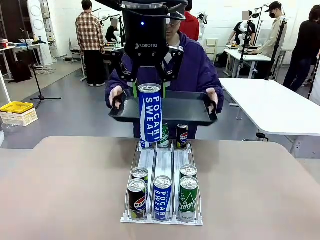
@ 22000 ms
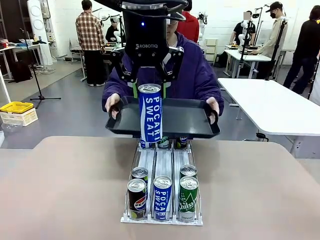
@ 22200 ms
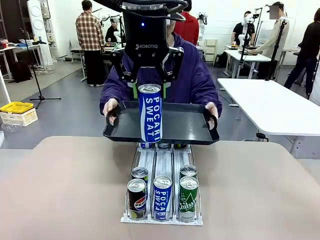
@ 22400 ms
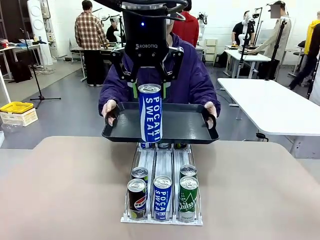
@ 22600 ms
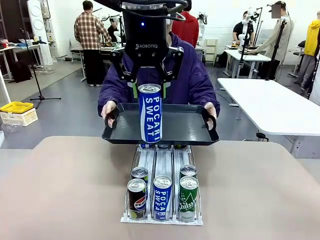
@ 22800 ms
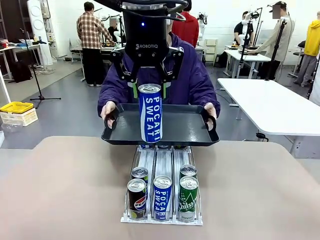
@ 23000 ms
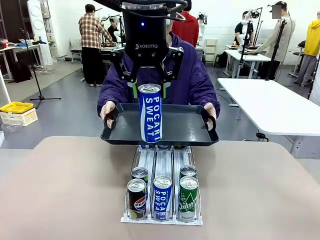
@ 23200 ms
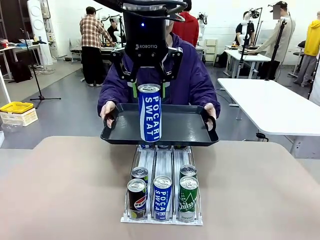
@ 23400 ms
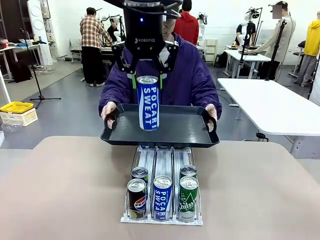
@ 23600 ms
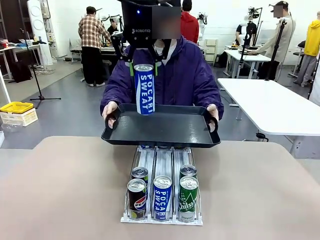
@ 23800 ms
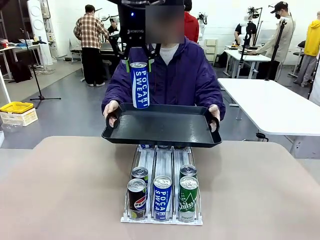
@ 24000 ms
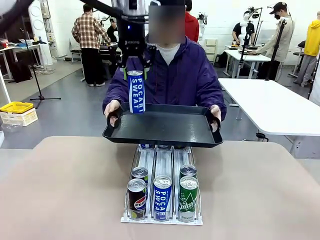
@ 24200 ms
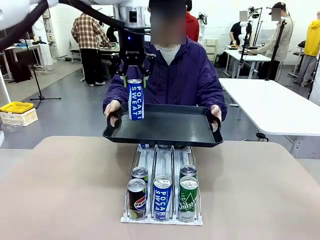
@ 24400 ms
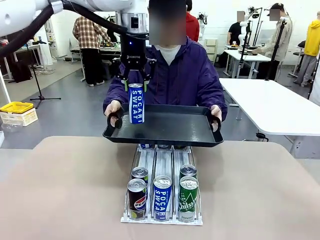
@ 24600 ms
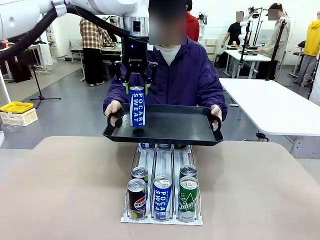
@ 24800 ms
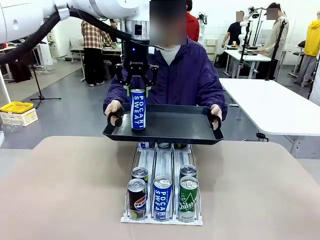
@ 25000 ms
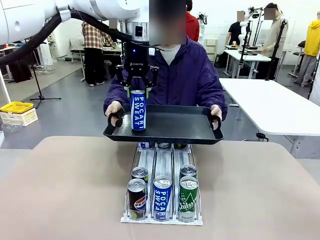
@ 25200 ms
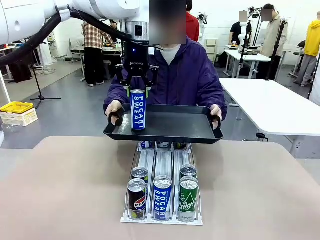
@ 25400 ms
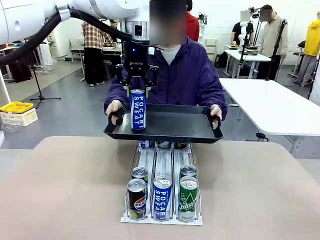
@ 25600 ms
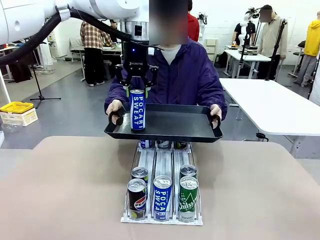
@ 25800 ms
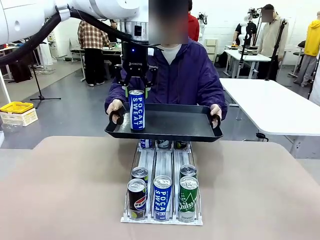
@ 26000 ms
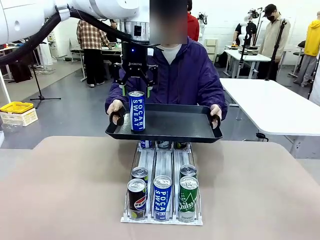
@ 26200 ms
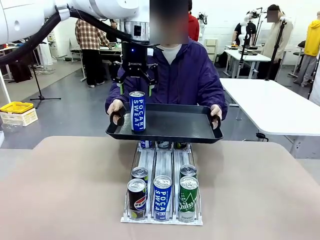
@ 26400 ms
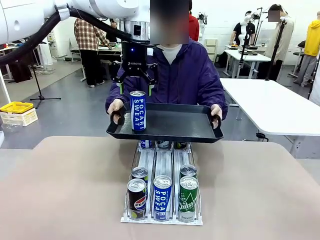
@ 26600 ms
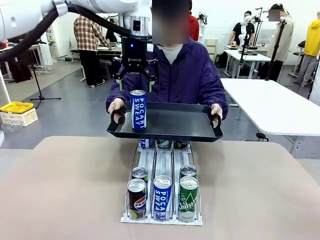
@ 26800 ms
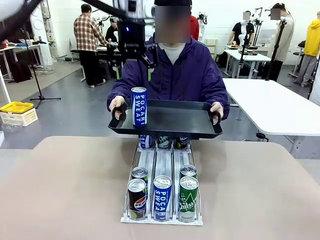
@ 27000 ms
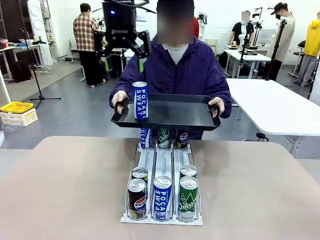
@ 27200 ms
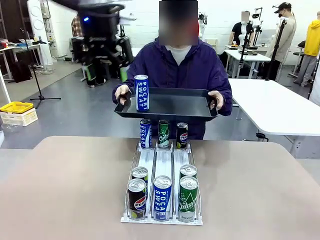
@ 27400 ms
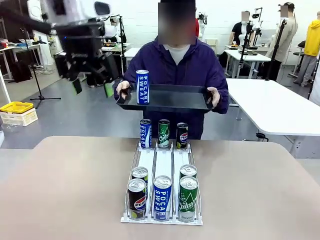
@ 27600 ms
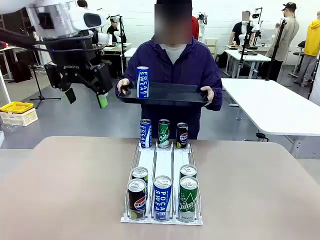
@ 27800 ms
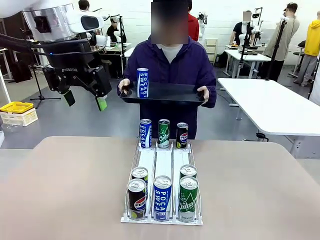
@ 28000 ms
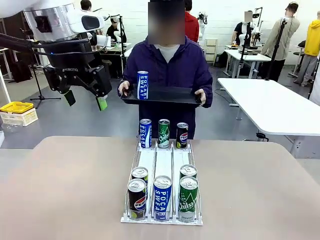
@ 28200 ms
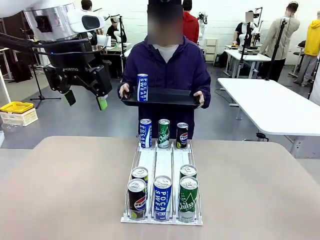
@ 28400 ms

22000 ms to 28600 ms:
Task: Retrieve and hand over the desired beverage to the person.
Robot: Place the picked can on the Handle tray extended by the person.

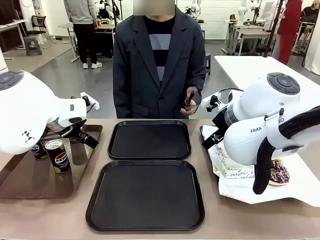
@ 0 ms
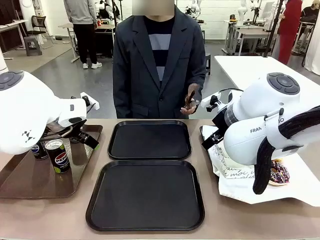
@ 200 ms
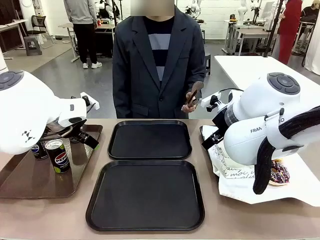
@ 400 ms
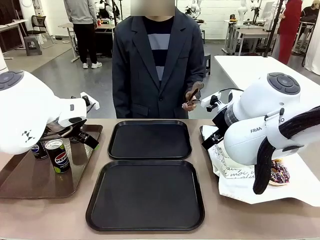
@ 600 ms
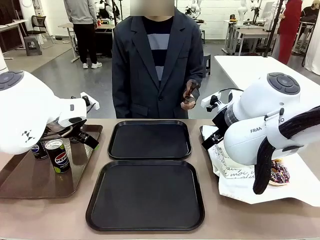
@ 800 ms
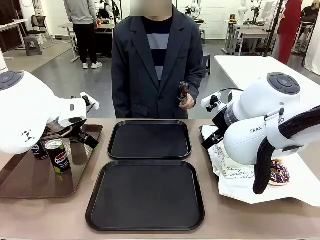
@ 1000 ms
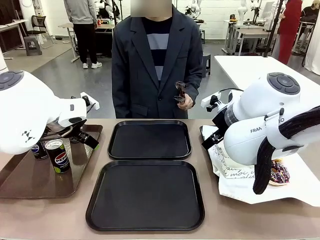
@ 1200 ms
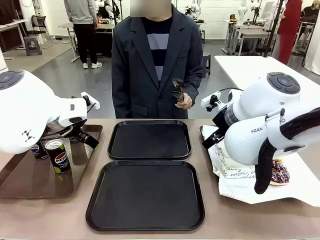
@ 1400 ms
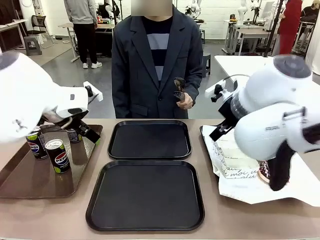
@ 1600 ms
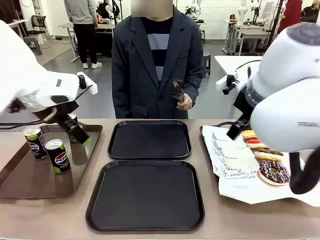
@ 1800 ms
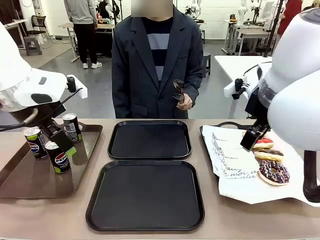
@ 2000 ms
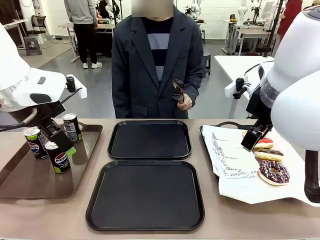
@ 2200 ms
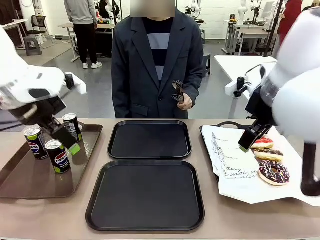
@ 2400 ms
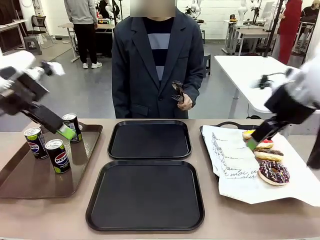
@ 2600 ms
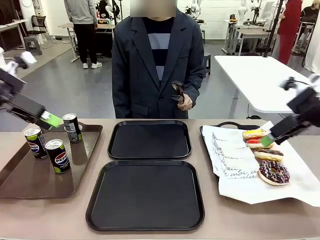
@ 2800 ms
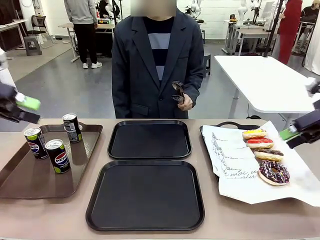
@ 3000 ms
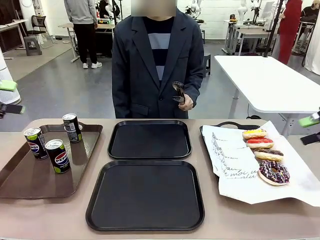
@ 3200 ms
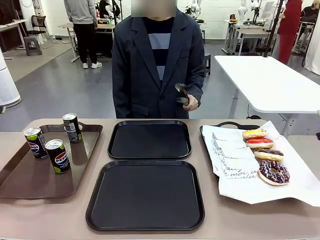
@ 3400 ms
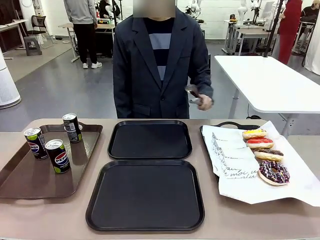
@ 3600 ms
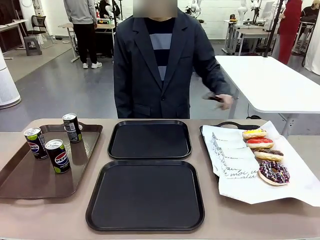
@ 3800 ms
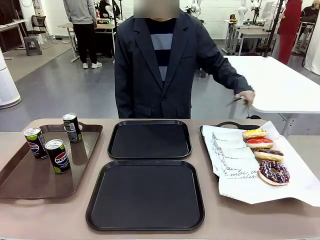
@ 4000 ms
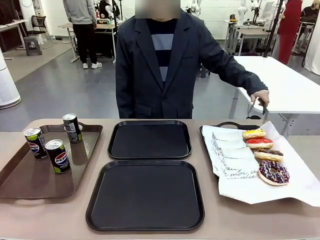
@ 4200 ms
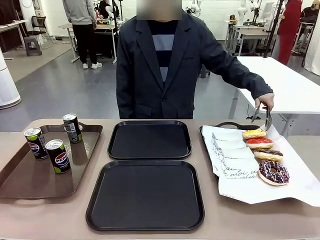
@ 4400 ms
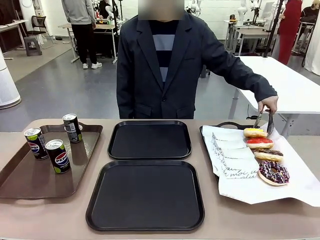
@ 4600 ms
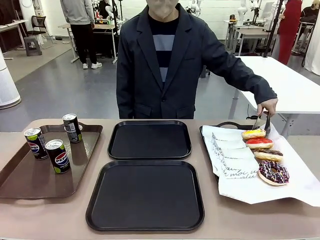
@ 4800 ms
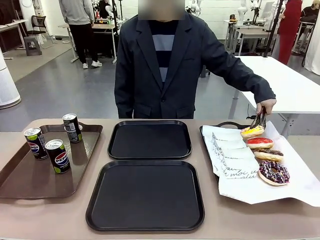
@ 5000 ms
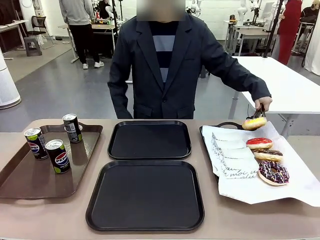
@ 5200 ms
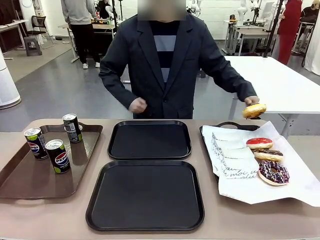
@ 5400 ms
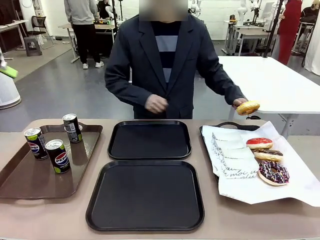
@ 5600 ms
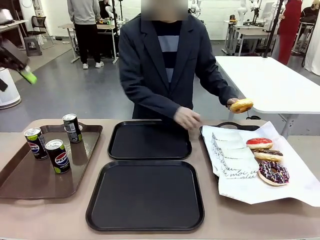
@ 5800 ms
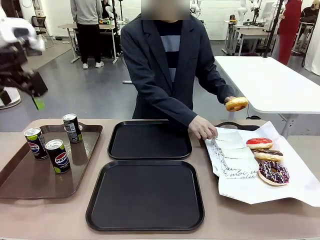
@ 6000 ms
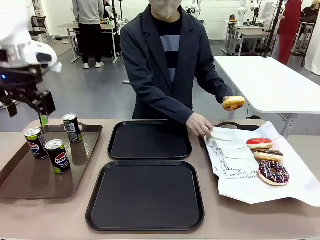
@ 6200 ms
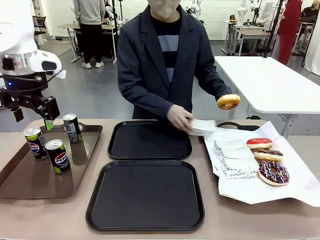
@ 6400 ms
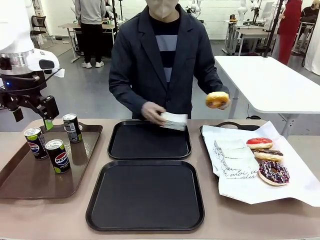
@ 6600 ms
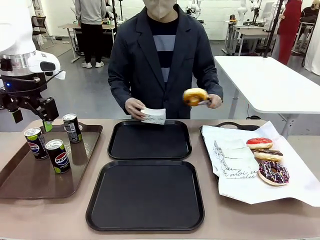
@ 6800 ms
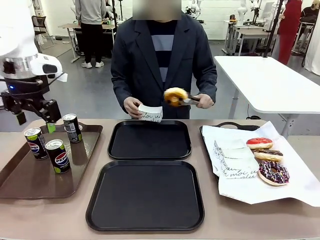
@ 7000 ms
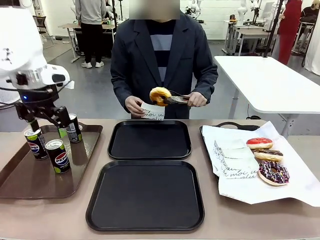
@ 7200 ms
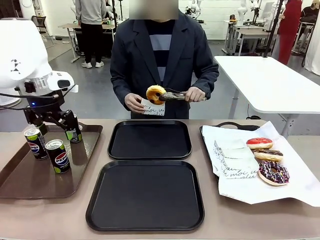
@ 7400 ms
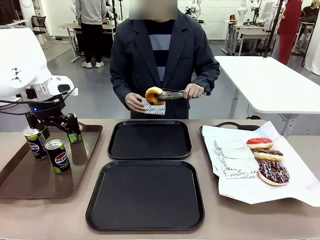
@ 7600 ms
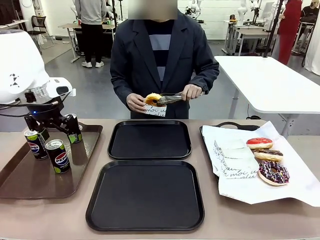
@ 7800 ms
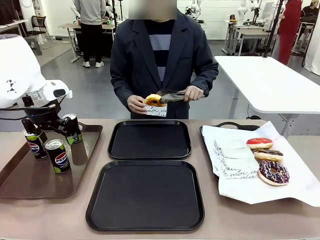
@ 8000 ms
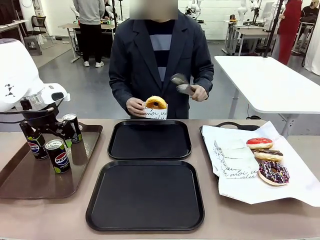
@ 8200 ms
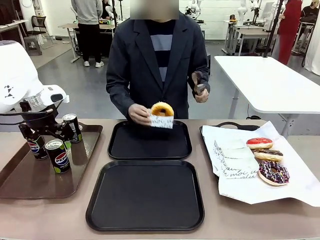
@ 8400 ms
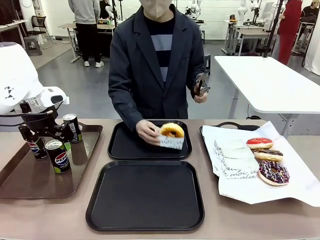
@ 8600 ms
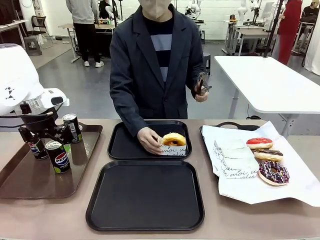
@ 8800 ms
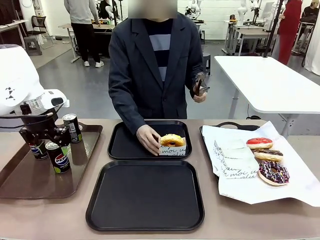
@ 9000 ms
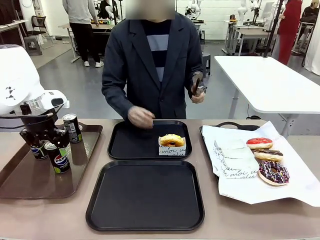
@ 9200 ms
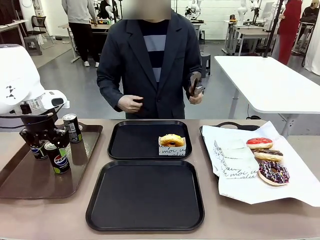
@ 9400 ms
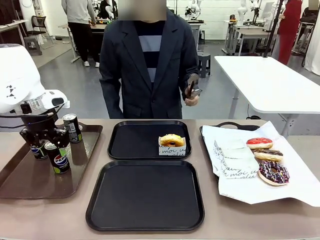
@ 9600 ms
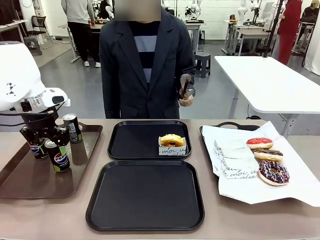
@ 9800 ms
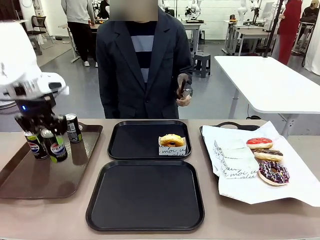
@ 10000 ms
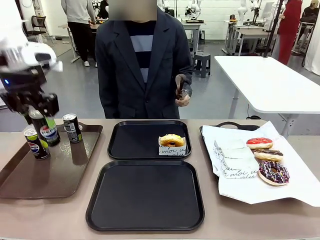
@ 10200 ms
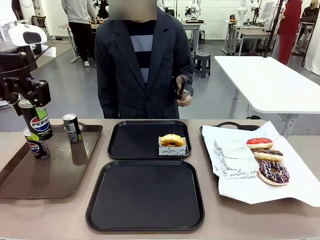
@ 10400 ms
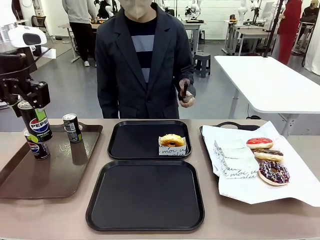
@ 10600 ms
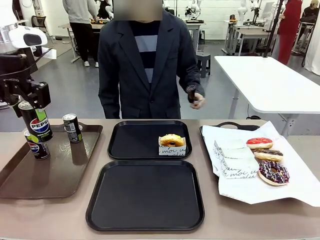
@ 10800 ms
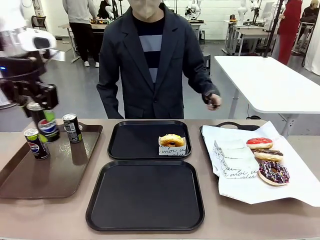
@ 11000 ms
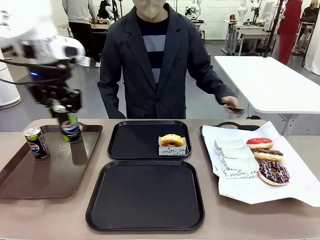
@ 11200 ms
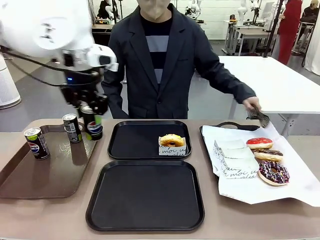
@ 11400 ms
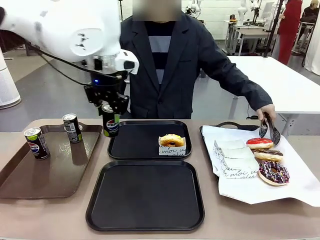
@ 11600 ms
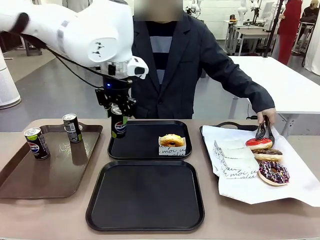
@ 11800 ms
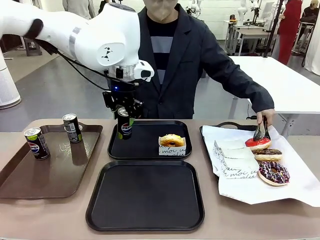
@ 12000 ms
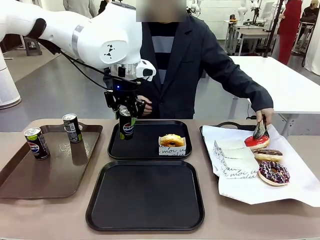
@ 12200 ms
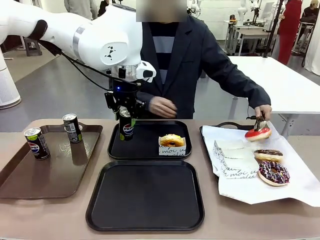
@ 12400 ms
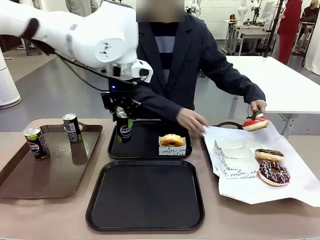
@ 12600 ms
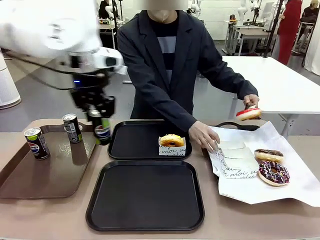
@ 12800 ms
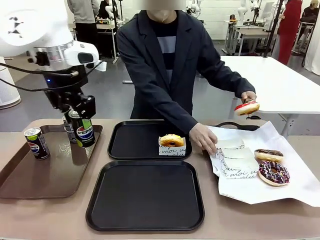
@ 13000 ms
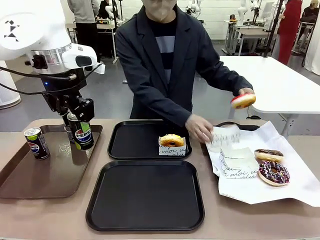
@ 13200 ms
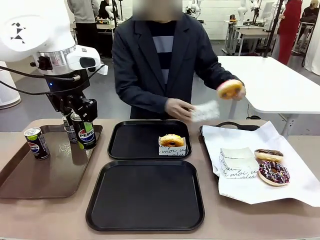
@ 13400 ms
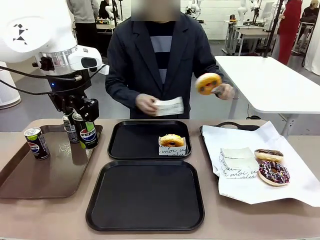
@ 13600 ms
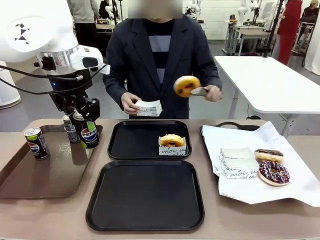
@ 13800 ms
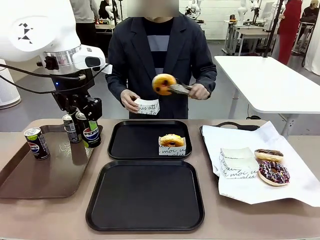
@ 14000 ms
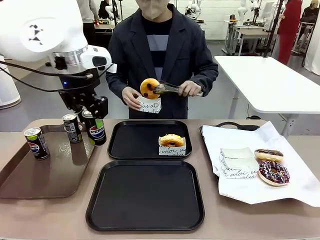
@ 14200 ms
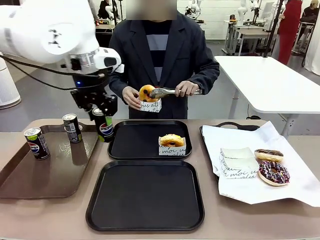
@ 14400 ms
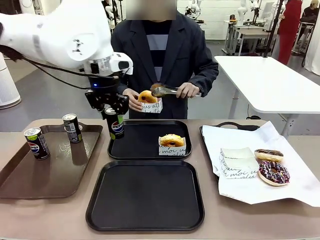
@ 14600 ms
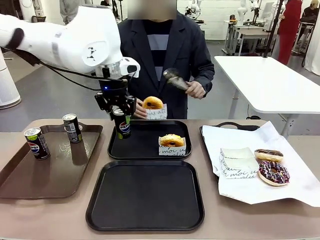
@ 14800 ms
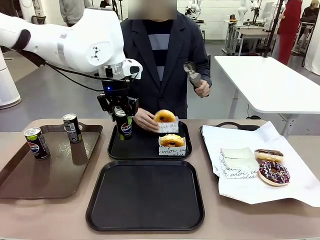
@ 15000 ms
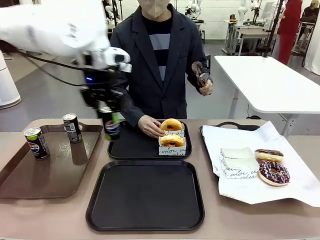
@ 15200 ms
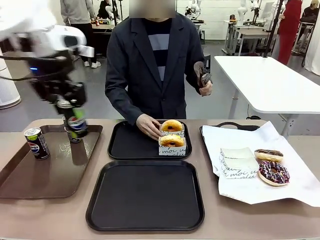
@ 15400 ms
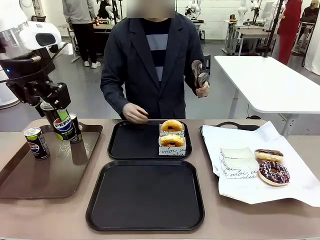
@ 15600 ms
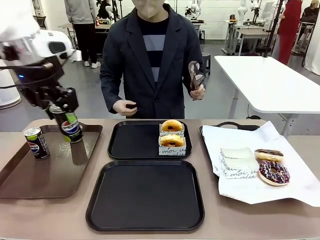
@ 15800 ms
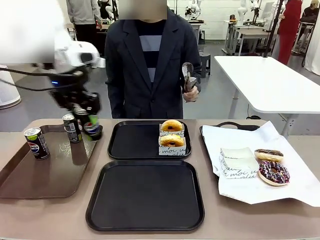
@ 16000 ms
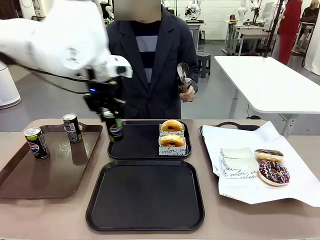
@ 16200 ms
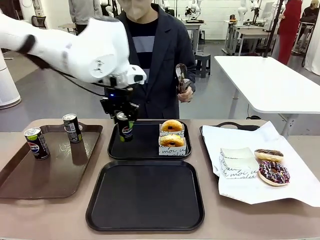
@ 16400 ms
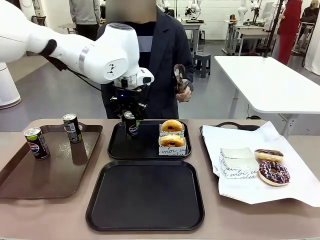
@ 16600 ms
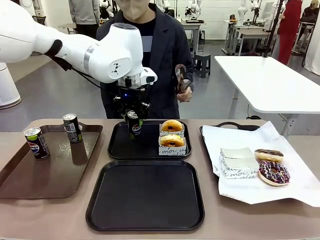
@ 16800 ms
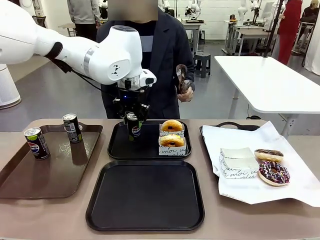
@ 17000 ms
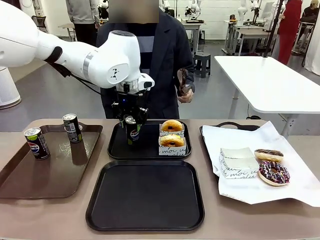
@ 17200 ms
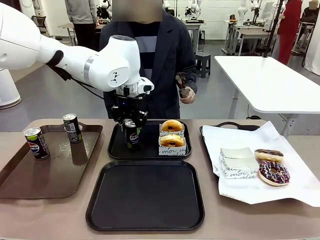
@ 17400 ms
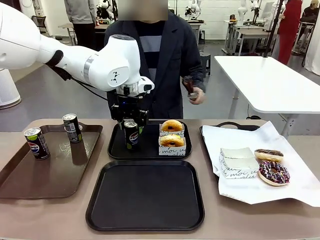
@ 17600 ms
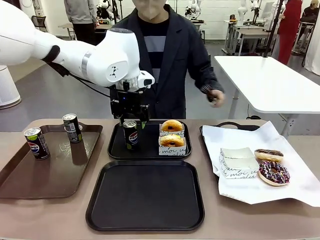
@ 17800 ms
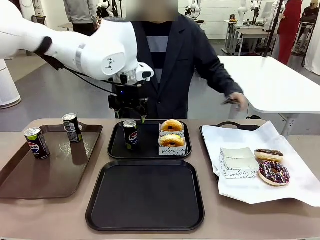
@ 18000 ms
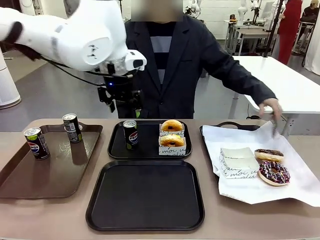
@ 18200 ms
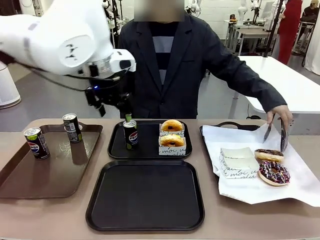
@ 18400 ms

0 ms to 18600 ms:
Task: Set up donuts and drinks on trays.
Robot: Pick up one Pepsi coke and place it on the Flat Tray.
Person: Pick up one donut with tongs, place it in the donut tray, and then place the donut tray on the flat tray.
